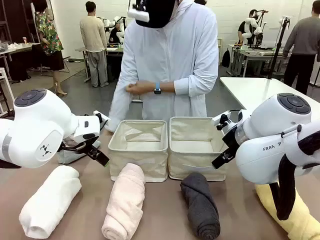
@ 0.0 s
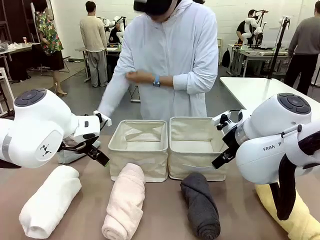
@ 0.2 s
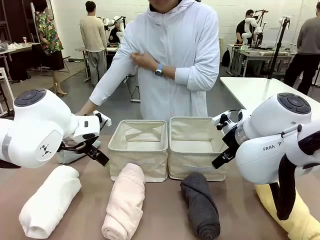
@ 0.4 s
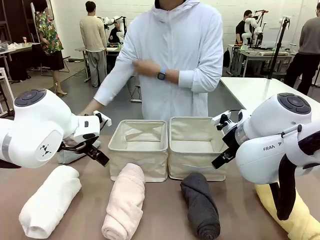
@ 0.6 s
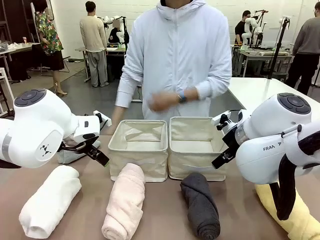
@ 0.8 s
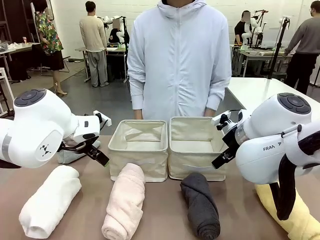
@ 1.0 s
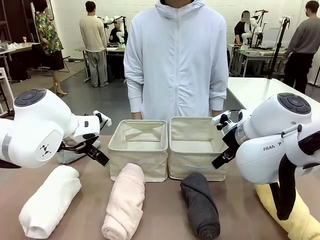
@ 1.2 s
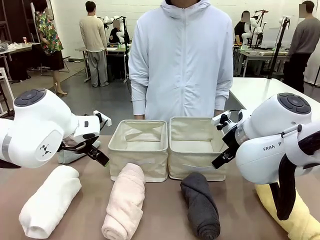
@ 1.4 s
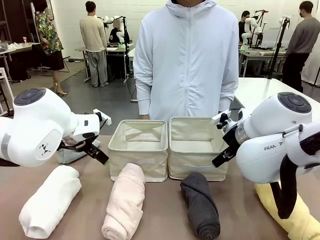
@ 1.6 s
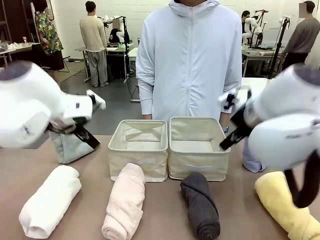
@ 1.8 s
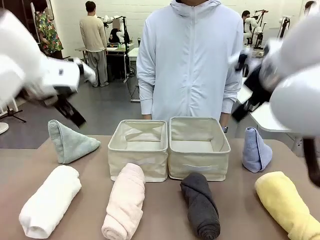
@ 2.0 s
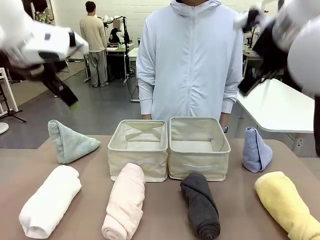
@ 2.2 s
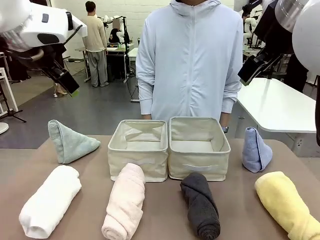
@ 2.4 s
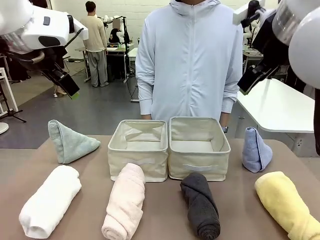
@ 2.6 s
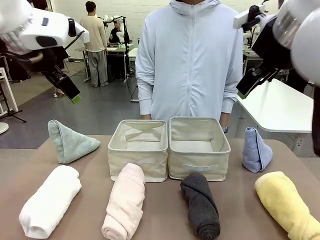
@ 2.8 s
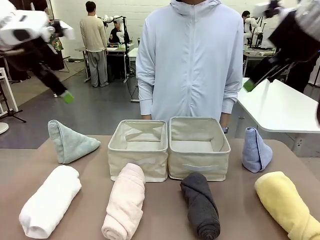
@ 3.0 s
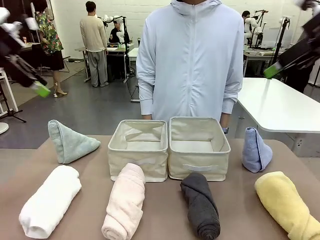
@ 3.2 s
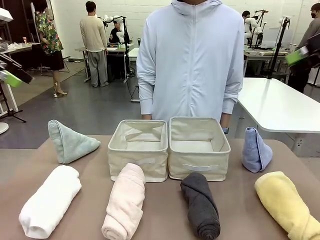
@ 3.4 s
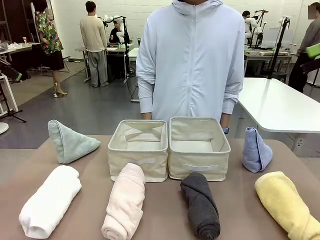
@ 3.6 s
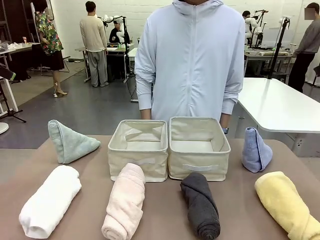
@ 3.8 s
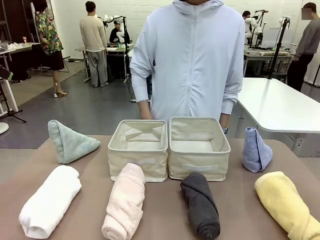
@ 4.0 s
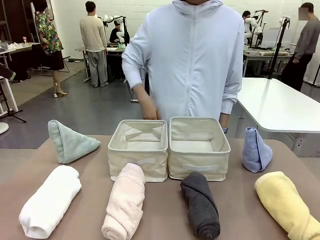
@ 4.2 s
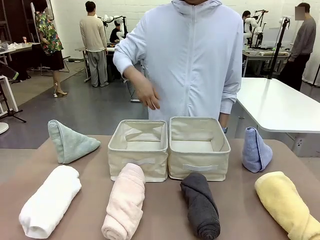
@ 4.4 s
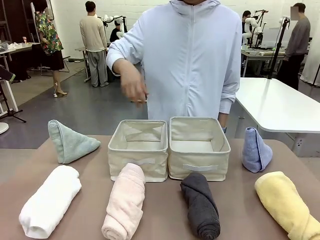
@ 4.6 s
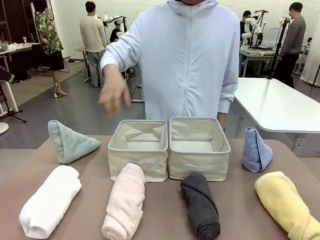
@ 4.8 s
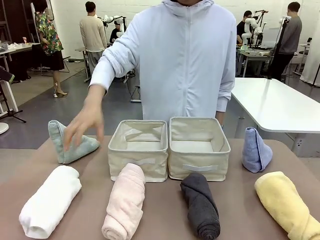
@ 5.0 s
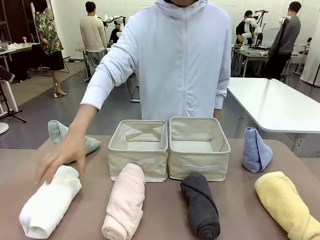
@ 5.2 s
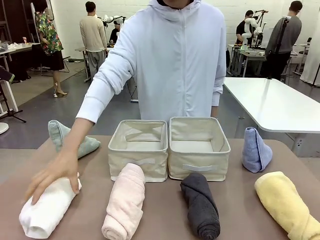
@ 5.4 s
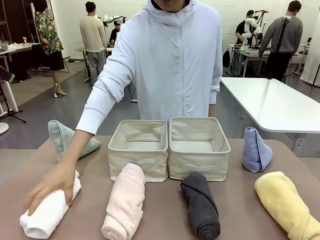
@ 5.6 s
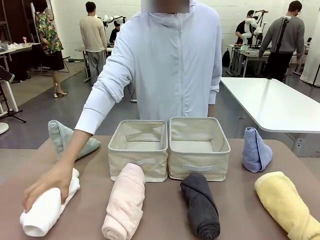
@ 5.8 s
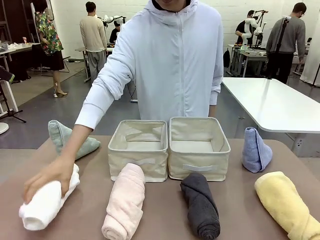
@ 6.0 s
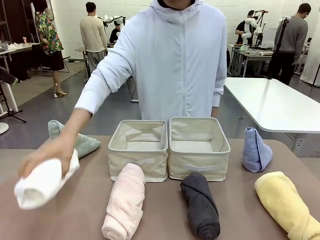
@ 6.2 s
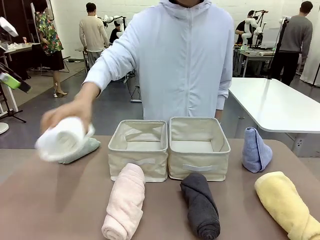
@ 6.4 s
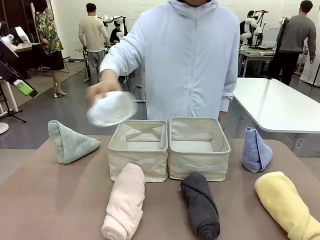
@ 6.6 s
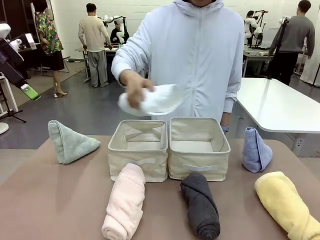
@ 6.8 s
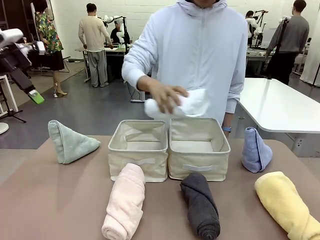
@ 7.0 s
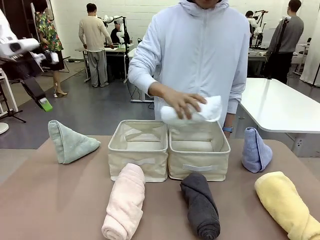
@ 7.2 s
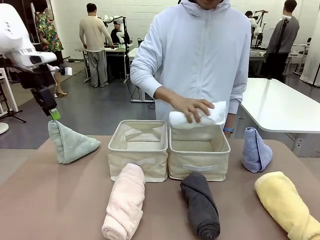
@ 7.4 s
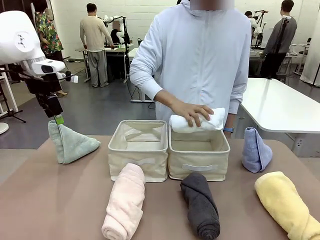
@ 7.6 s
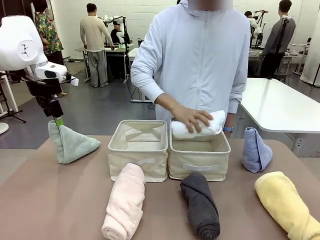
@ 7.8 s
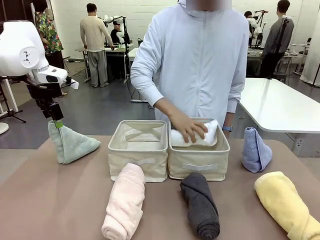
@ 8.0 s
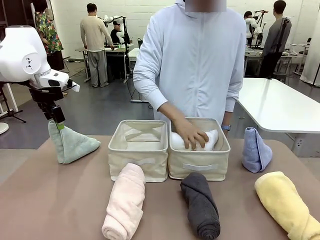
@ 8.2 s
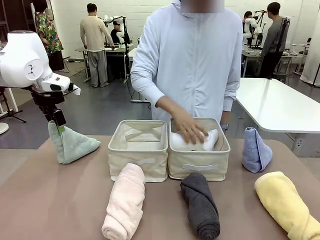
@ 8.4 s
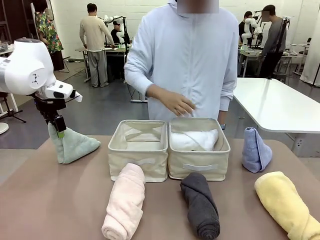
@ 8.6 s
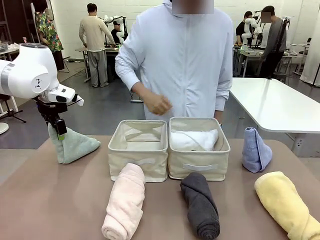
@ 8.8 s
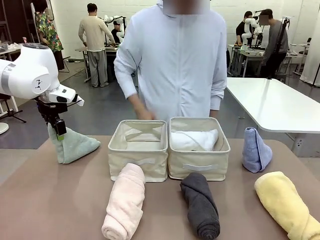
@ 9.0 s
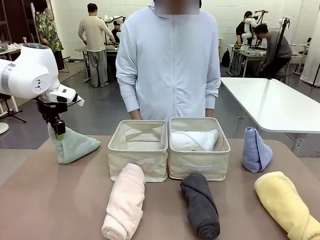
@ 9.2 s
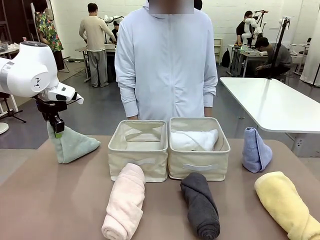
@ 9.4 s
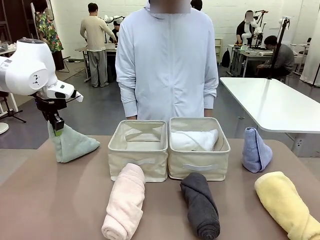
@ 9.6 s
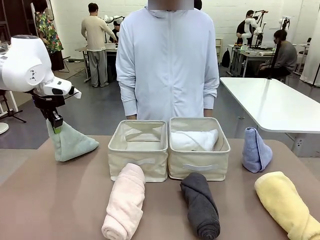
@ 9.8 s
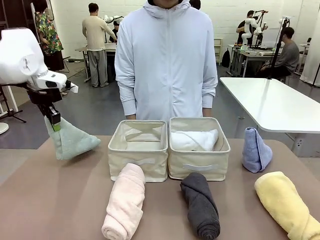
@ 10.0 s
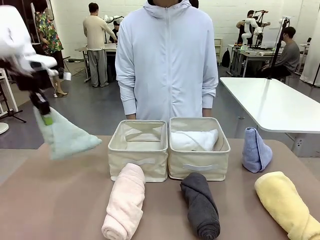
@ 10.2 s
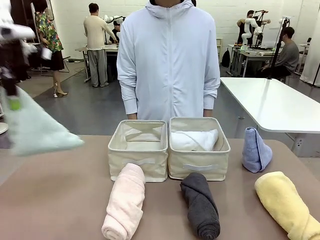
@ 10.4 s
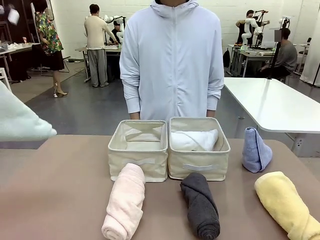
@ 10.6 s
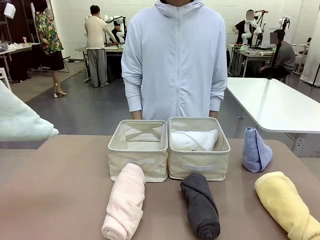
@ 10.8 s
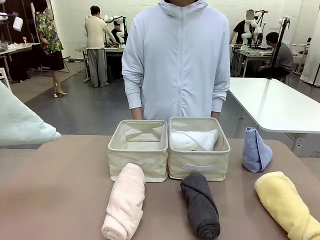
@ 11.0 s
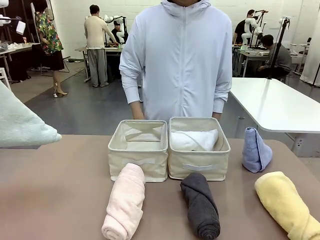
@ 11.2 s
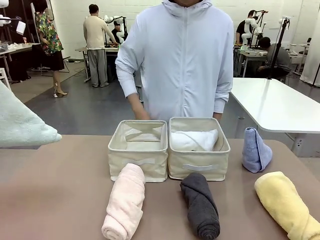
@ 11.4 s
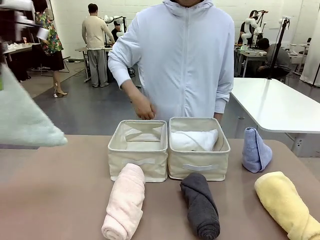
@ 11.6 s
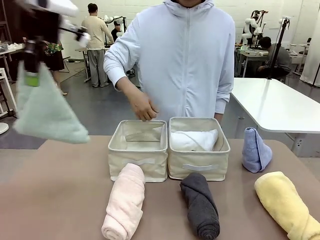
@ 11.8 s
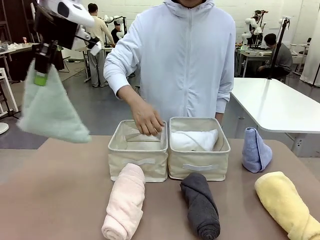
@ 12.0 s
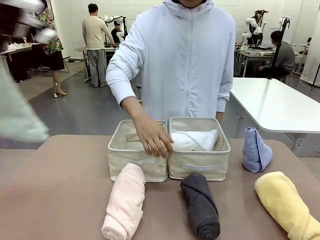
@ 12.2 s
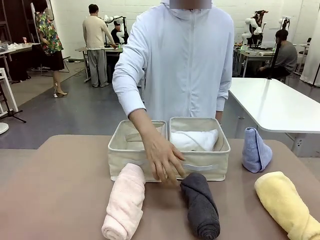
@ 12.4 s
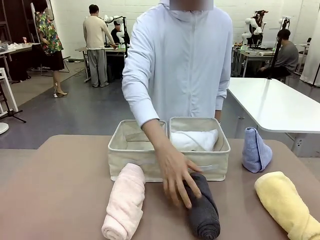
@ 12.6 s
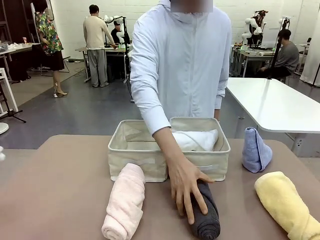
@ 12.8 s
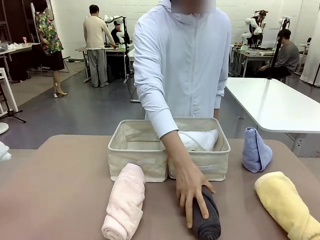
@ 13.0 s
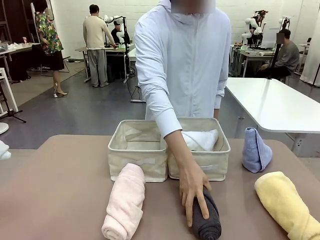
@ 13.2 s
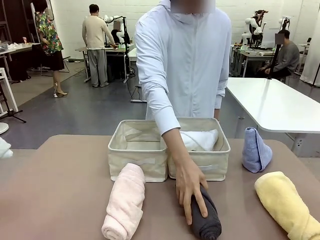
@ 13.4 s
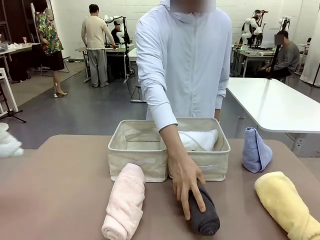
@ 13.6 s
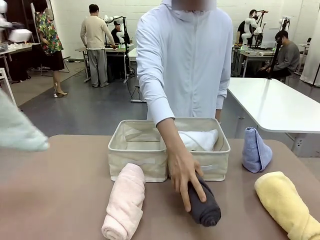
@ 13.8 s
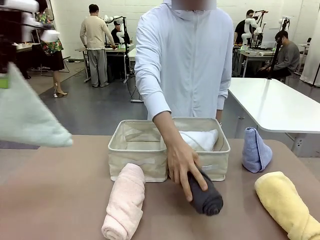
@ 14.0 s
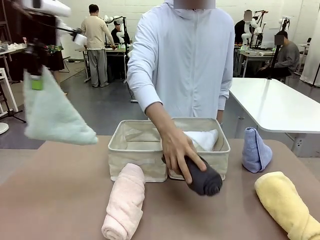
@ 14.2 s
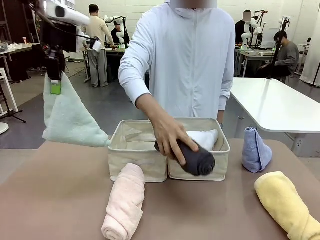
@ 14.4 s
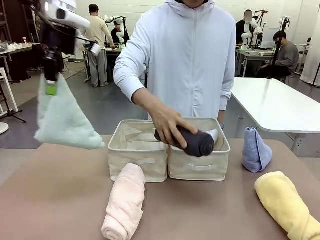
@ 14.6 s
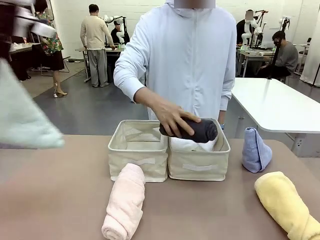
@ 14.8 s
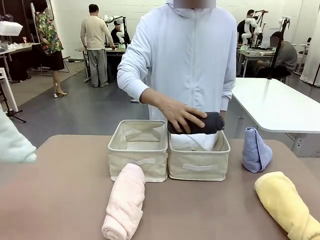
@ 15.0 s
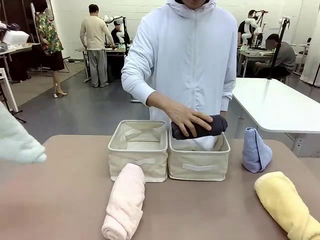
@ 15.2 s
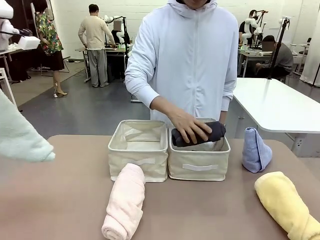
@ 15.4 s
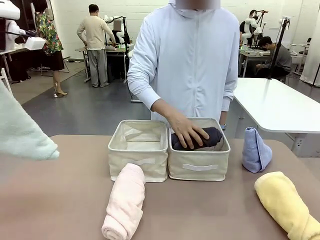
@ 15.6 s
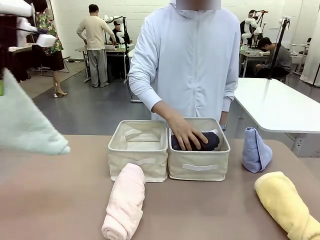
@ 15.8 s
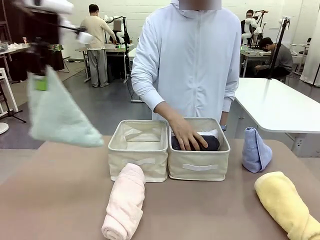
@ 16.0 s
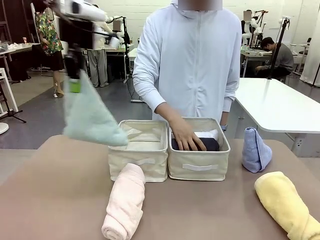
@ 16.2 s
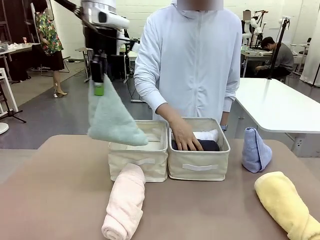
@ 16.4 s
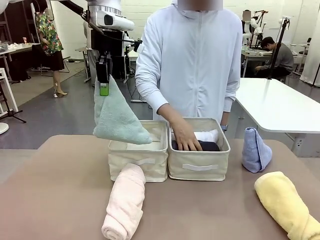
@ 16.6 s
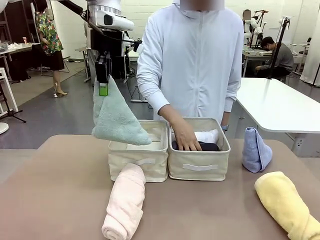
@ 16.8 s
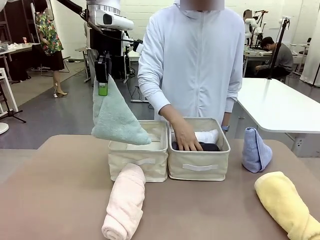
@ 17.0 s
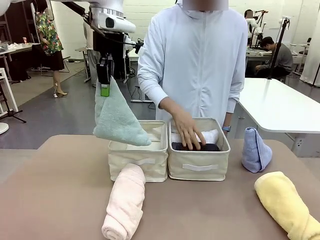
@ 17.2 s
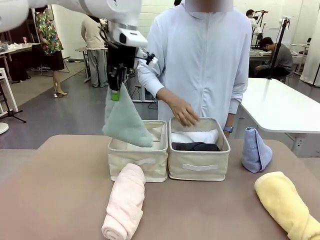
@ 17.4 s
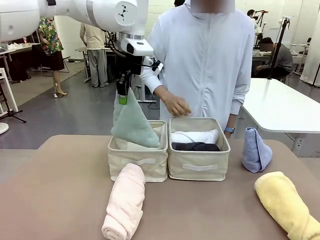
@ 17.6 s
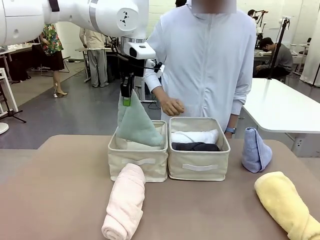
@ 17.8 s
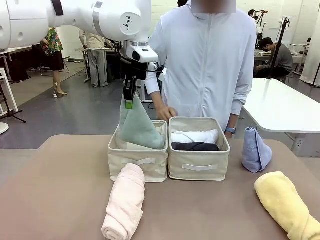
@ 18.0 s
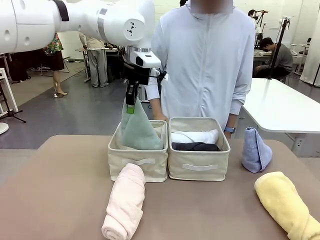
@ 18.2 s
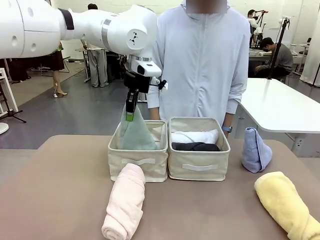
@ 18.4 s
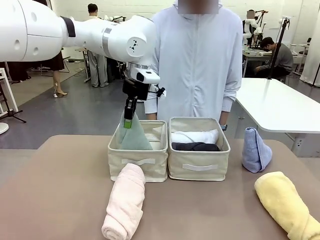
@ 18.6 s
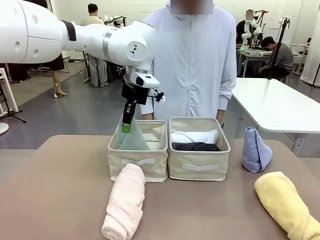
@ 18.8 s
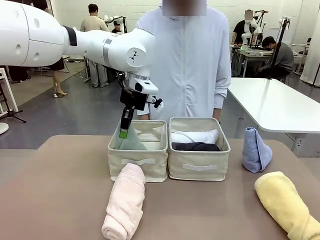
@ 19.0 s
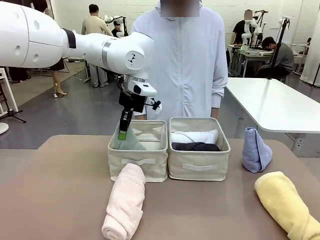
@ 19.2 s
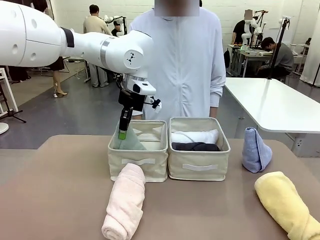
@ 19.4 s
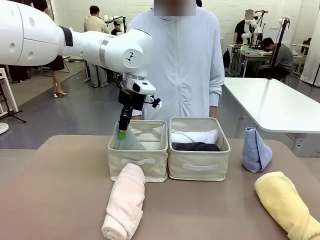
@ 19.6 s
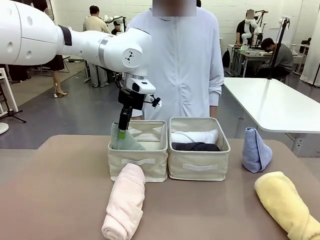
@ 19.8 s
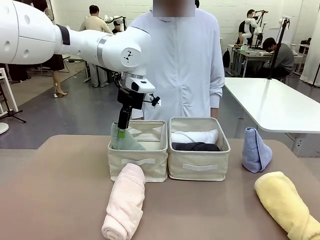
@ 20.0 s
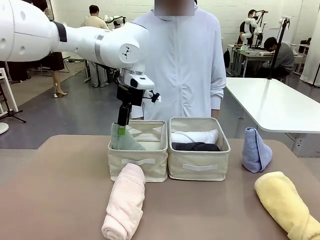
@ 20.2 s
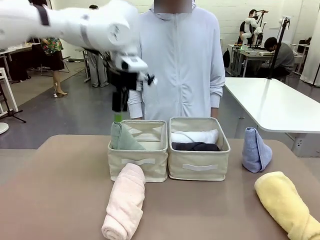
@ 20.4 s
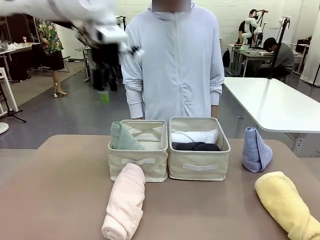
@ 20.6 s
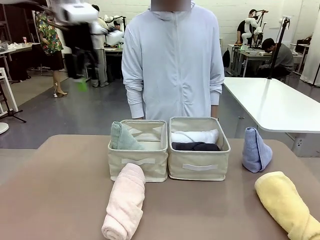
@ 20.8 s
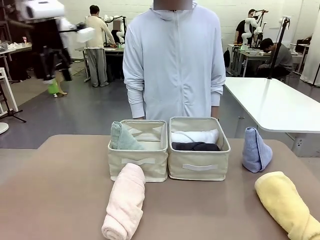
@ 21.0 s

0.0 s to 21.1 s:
Task: Sort the towels based on their folding style.
Robot: Pick up one triangle-folded towel and place it in the left Fabric basket.
Person: Pick up one hotel-style rolled towel and place it in the left fabric basket.
